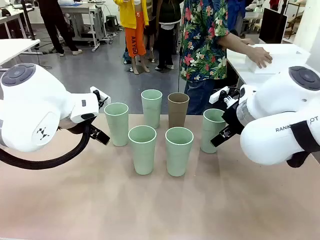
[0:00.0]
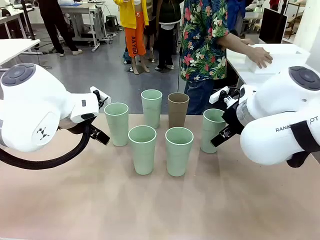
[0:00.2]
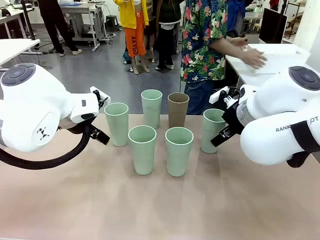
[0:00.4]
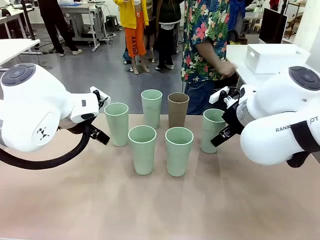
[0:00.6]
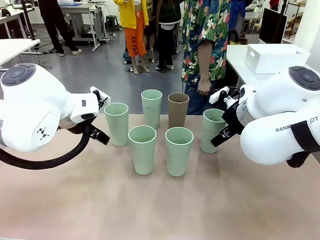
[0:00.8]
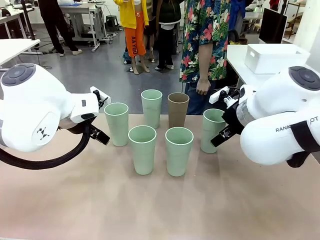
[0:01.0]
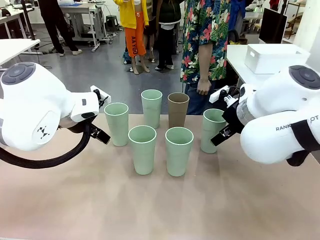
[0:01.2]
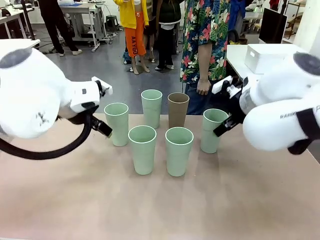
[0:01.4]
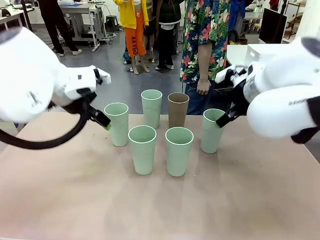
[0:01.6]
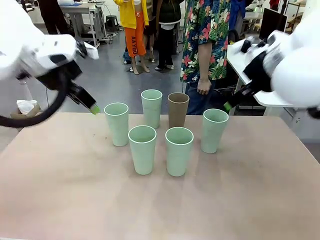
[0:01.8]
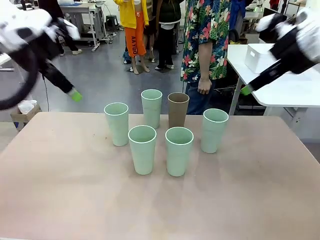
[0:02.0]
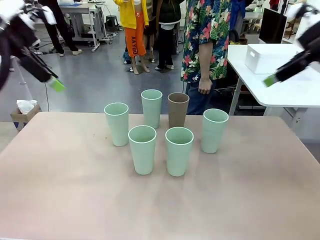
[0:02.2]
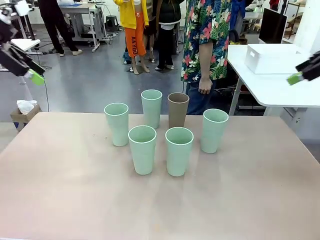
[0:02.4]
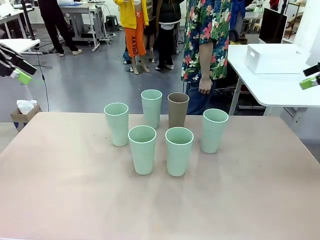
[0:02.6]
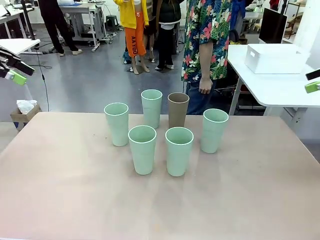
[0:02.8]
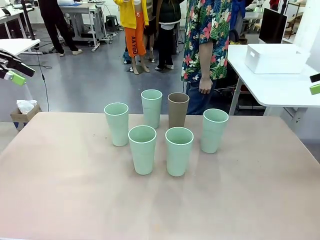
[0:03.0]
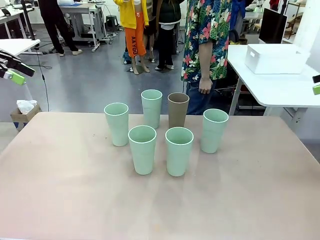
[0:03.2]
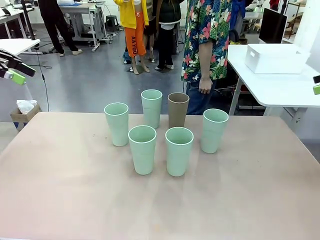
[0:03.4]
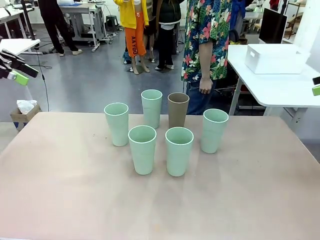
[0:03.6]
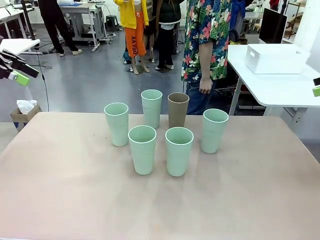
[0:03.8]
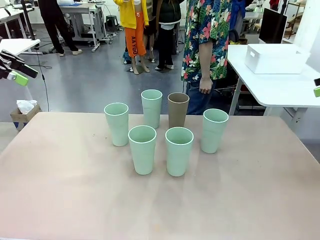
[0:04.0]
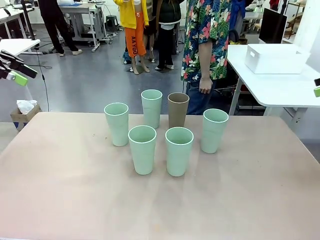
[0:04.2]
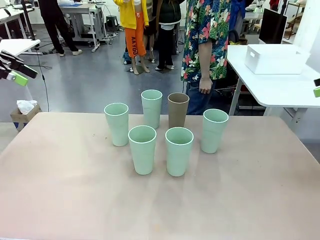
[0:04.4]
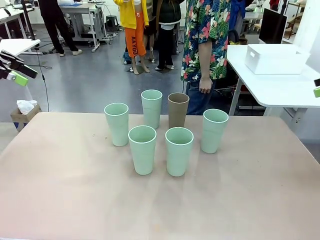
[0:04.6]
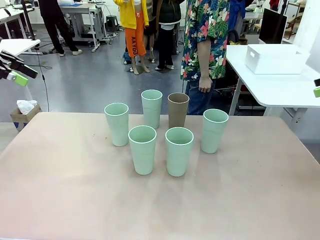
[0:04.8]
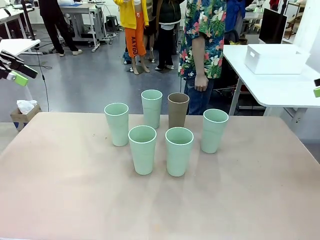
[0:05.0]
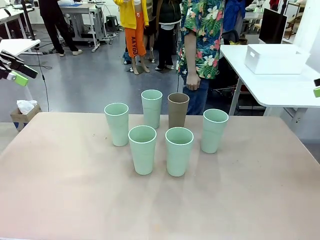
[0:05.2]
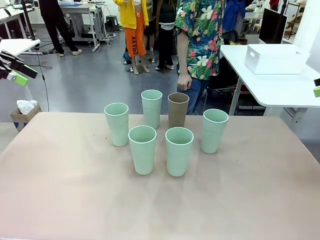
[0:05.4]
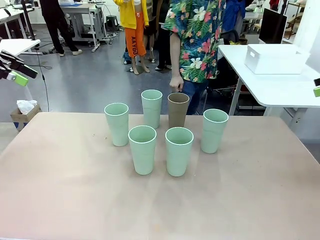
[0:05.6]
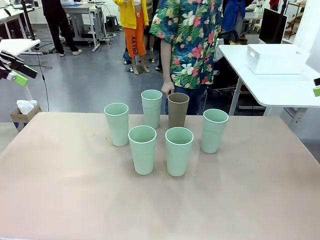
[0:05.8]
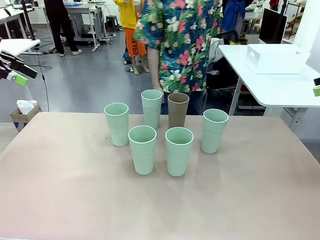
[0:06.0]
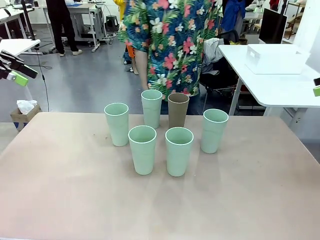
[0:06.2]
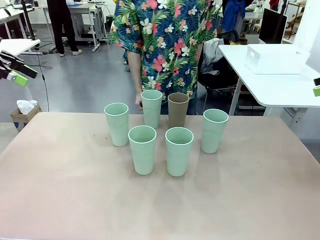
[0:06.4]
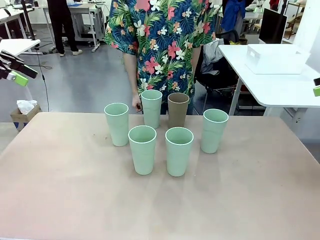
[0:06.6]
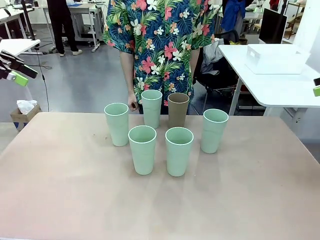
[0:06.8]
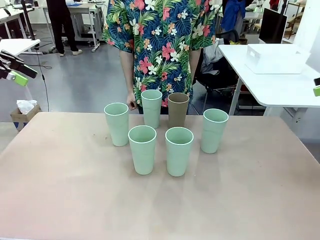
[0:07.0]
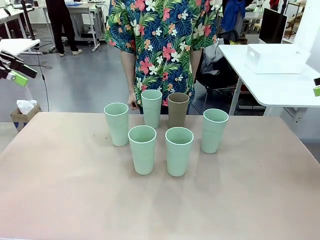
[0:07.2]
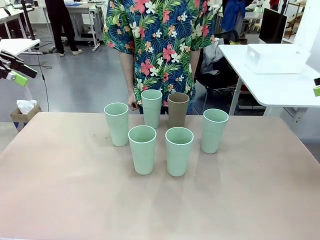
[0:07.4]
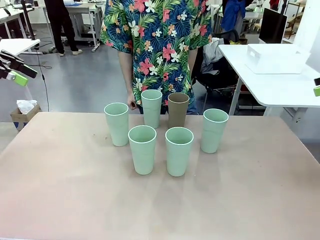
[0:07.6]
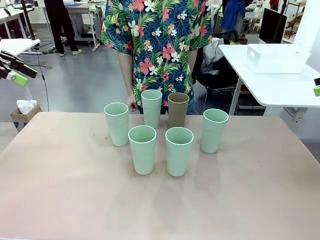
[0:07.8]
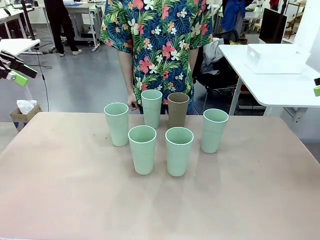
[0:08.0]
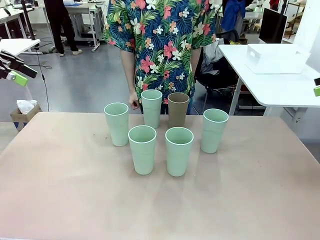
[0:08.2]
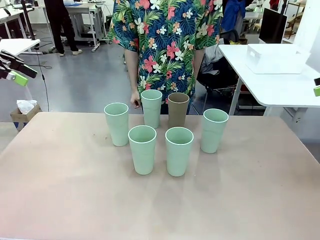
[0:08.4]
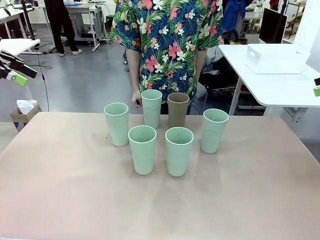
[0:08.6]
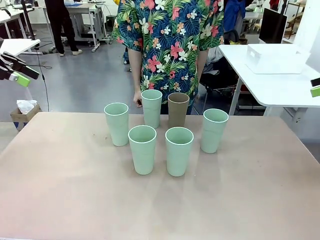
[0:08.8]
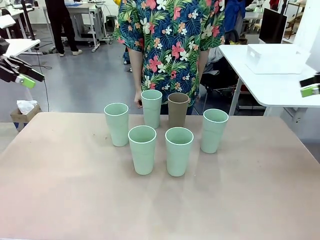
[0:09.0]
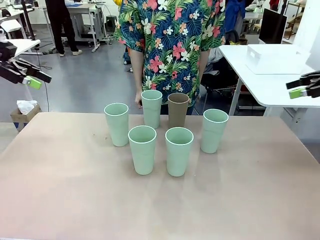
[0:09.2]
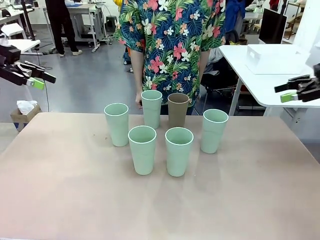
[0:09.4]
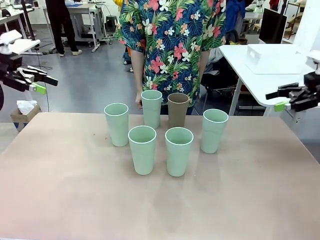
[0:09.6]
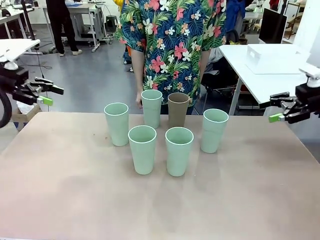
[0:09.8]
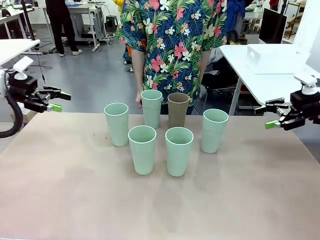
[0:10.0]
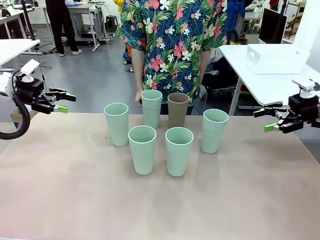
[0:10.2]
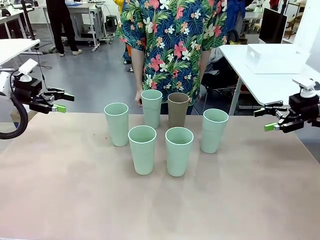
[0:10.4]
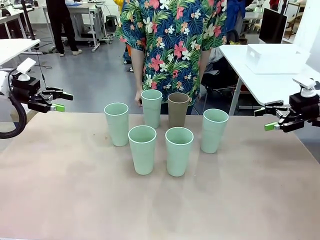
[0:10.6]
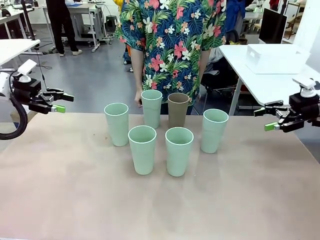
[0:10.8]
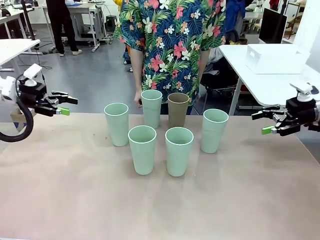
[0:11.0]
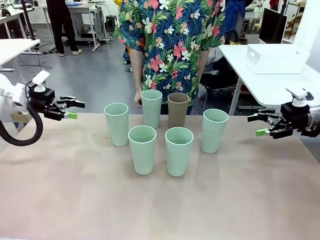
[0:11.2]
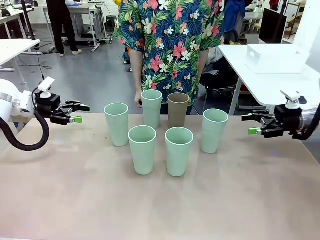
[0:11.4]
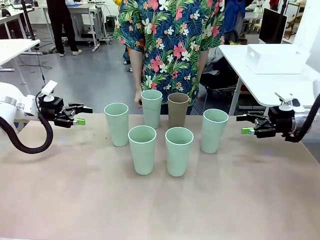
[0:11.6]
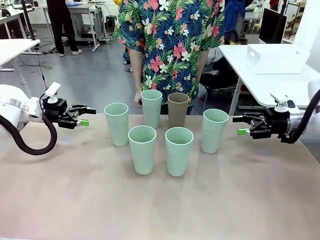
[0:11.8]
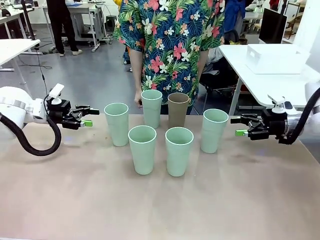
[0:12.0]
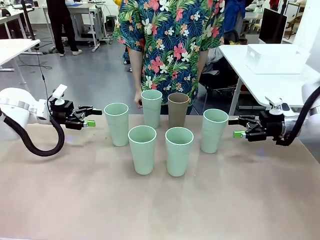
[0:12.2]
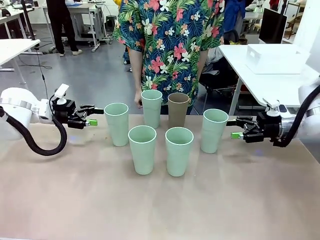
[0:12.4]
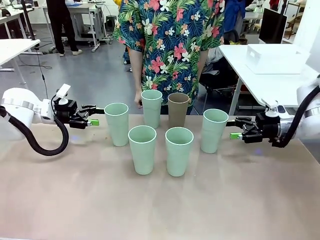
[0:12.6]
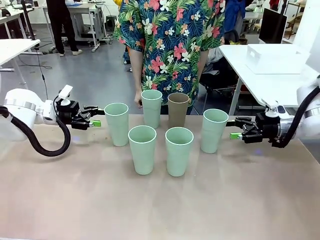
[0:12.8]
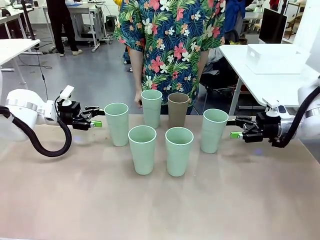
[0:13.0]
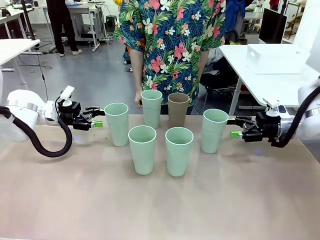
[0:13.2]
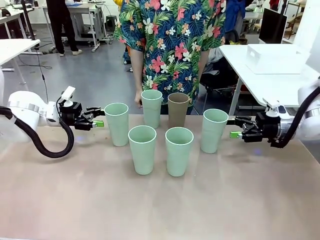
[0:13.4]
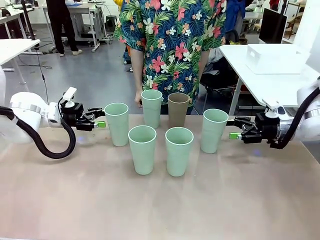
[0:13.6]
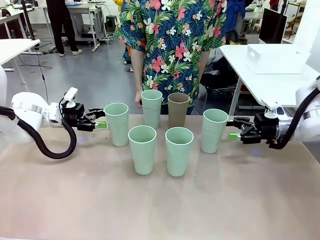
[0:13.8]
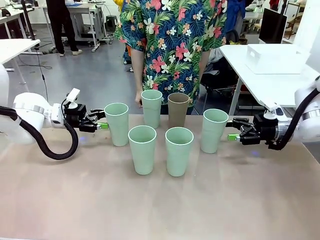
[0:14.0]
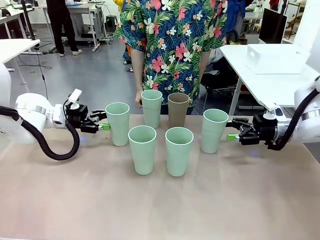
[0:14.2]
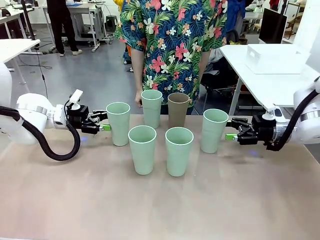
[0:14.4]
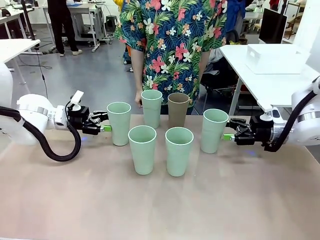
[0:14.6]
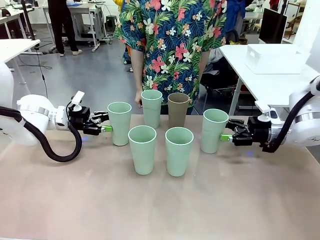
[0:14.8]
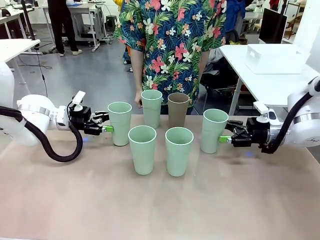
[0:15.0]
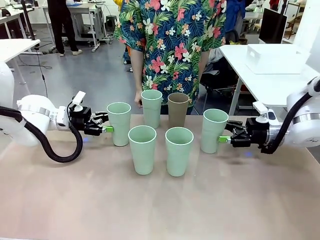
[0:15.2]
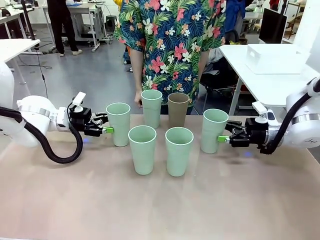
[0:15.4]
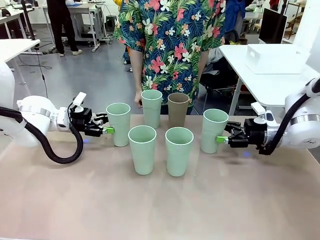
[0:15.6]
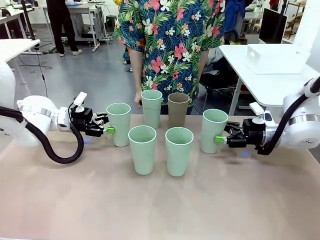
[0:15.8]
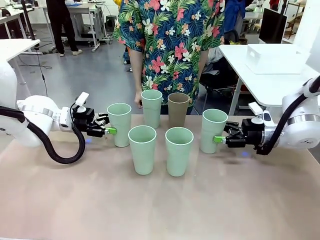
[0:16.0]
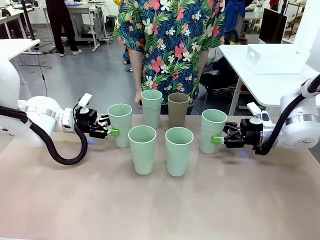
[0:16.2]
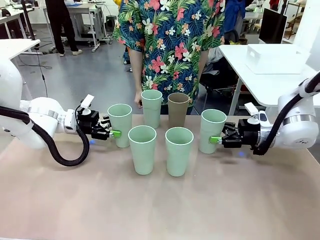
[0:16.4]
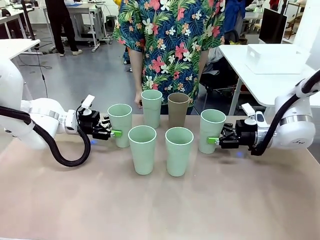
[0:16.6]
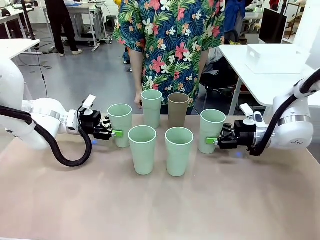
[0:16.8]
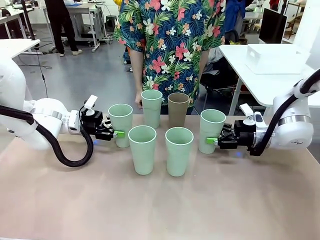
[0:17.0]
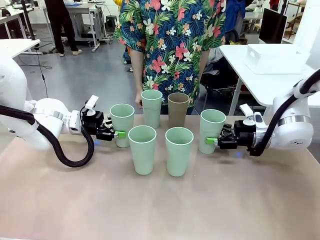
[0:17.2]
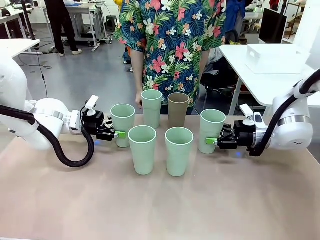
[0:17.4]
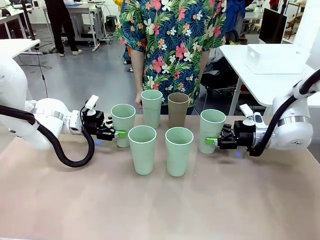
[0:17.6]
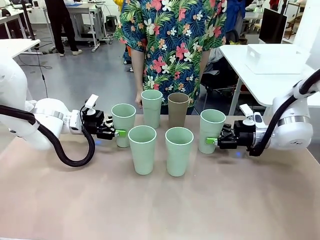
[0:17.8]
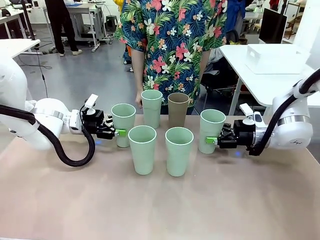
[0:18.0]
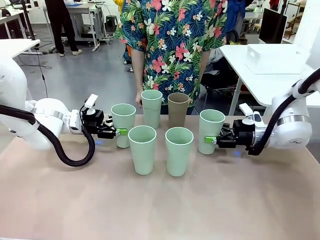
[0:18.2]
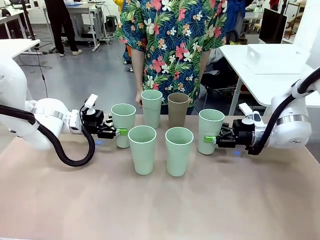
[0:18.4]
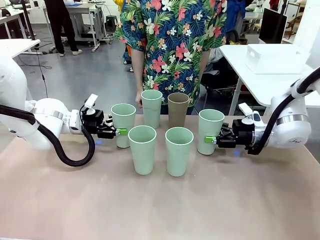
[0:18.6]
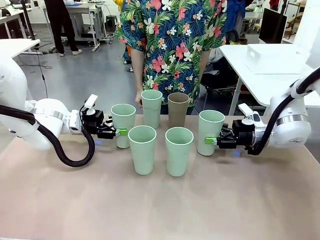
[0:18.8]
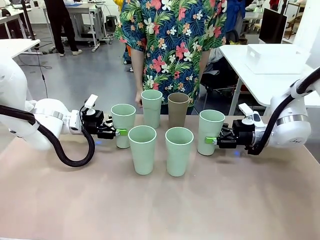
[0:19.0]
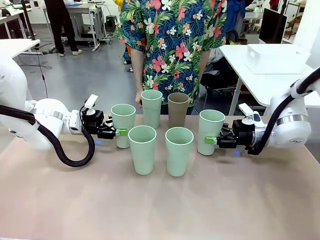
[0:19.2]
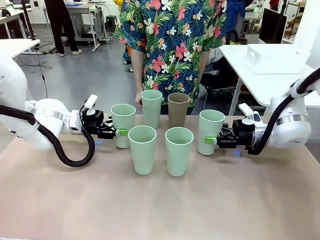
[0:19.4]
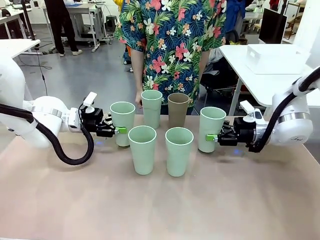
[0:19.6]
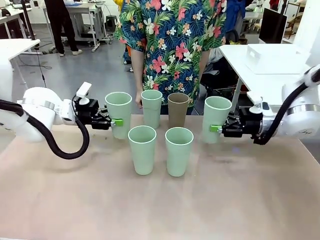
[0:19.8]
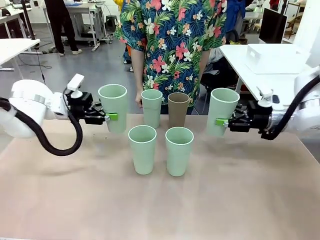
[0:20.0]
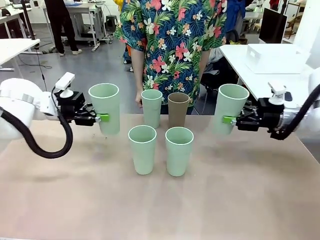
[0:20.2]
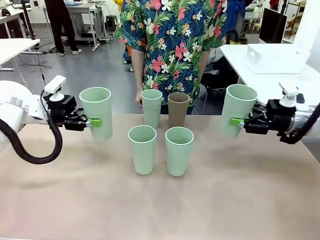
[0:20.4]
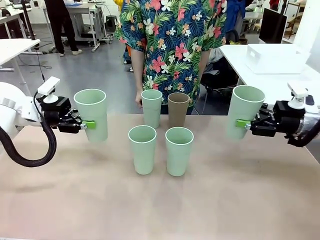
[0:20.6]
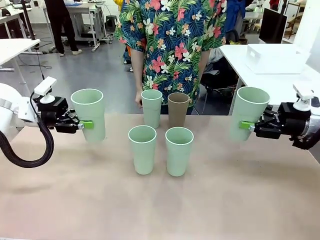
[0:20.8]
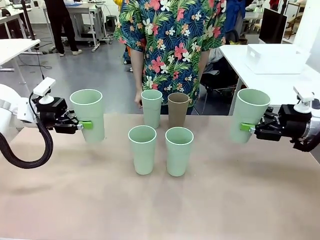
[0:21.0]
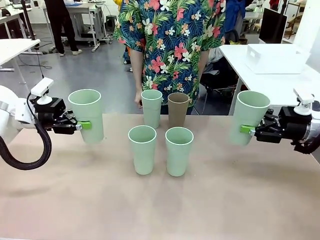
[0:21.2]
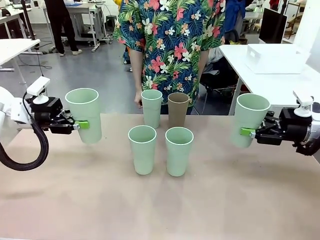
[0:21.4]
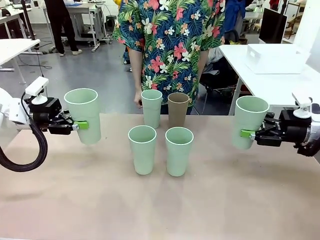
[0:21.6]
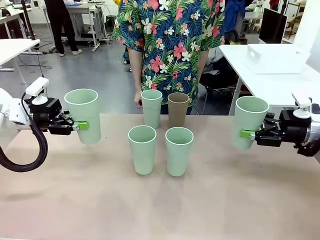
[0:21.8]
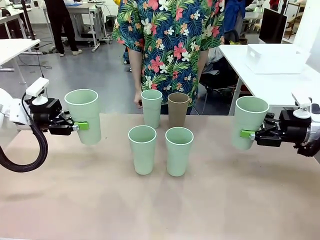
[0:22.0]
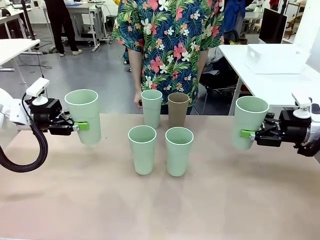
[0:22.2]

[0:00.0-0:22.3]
Task: Stack the cups and store them in the basket.
Robot: Pick up two Reusable plastic cups , one in each hand.
Person: Move from the Human Table to the front of the Robot Table. Stack two of the remaining cups on top of each cup held by the robot.
